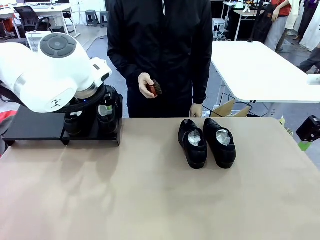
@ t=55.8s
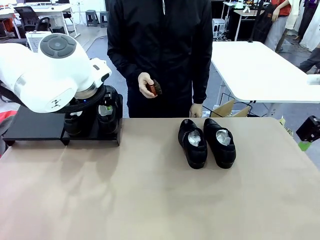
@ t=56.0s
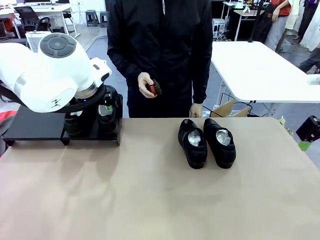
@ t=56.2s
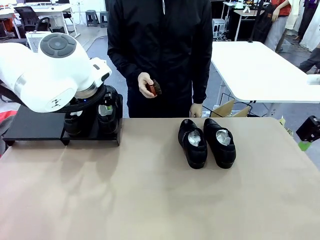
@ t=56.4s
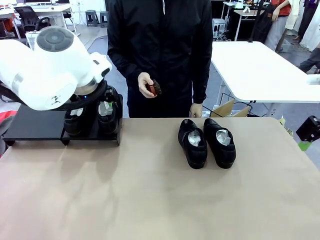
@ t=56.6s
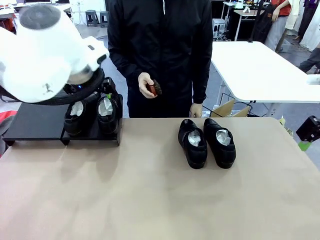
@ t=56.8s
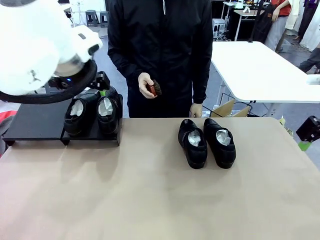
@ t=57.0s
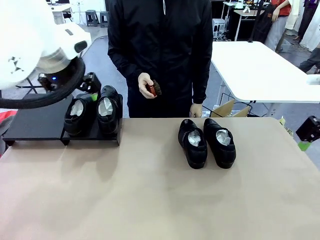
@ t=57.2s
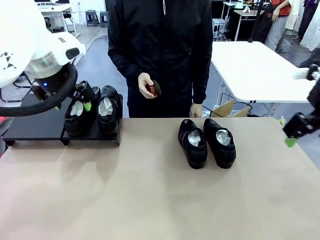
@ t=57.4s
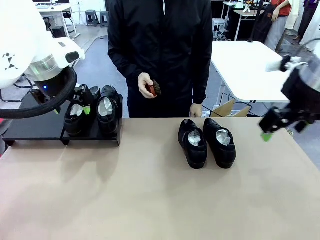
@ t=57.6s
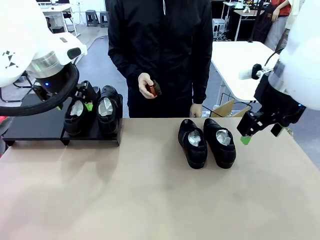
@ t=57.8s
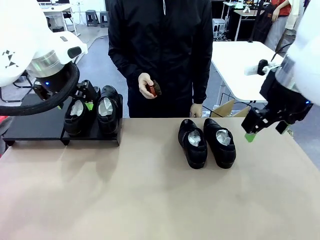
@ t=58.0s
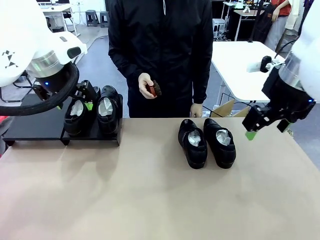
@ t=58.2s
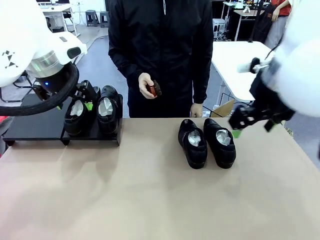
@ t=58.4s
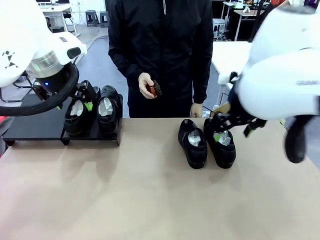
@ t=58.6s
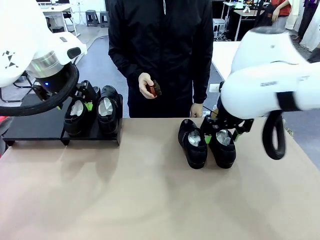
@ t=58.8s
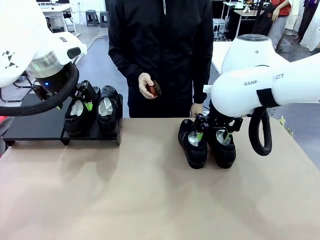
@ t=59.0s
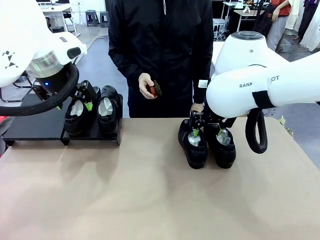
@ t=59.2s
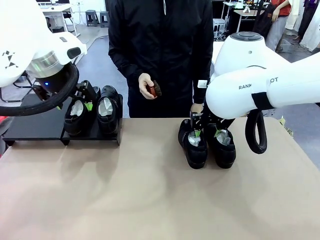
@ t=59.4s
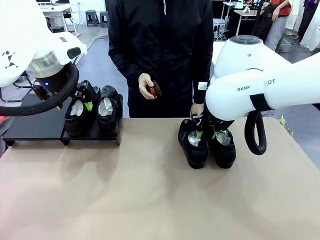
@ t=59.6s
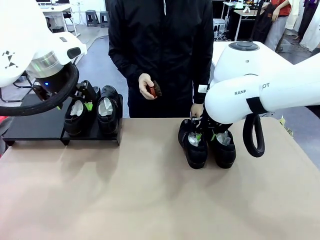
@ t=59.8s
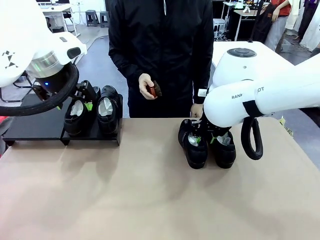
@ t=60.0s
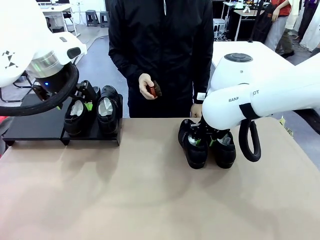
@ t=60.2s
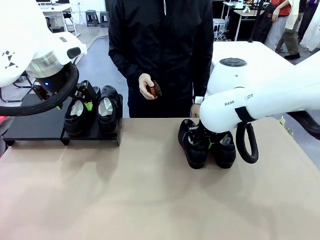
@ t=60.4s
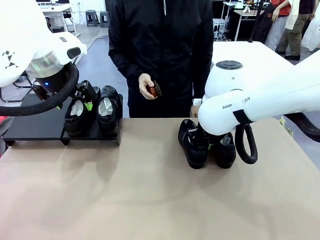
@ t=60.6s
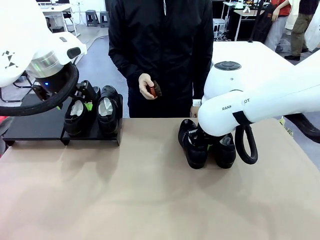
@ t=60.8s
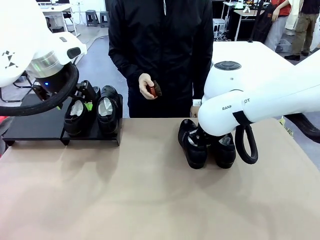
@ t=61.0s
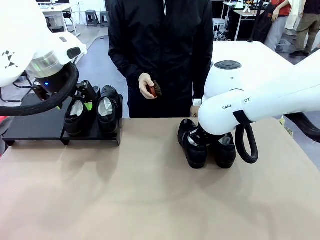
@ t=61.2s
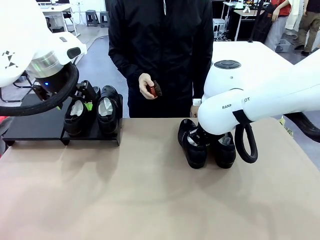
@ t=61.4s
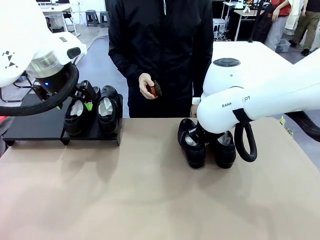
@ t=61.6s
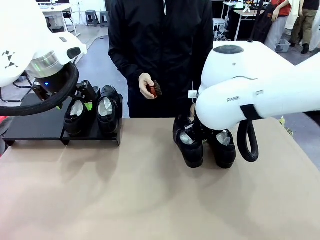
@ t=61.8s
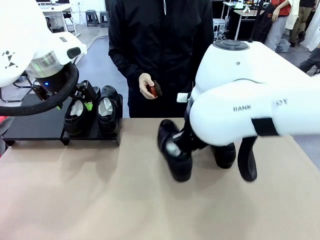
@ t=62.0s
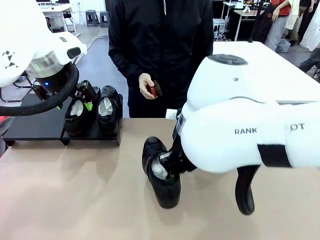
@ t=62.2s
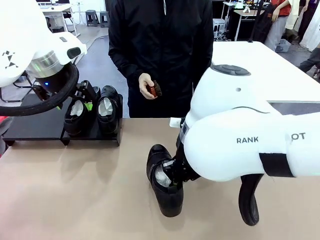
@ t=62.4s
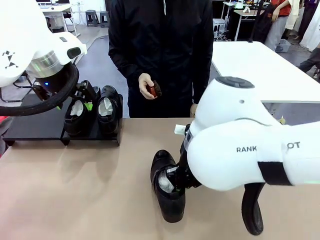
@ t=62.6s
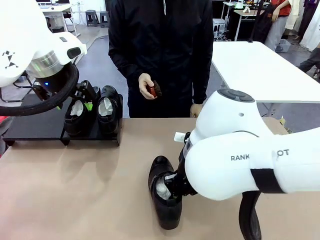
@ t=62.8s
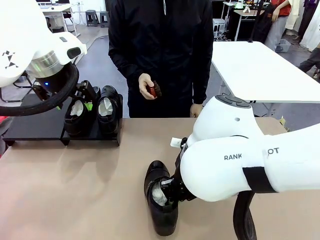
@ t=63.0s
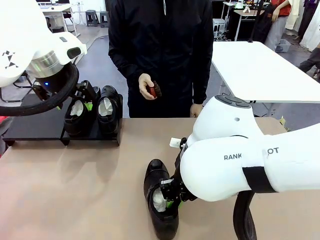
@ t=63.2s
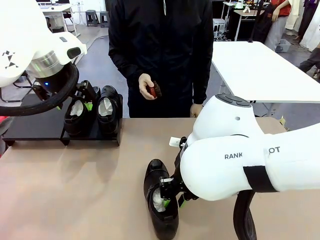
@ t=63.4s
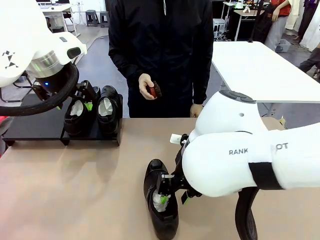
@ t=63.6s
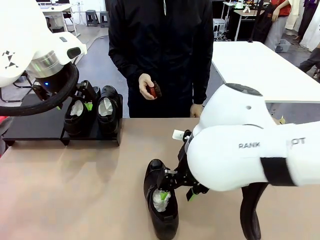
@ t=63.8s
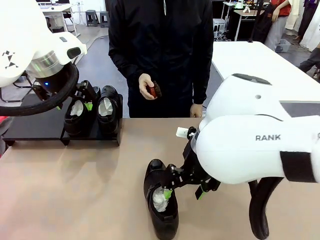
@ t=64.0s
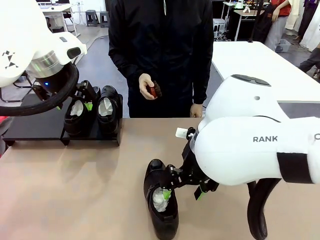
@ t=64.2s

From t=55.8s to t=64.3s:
Task: Organize the shoes by placing them on the stand.
Robot: Pick up one Shoe and place it in the middle of the table.

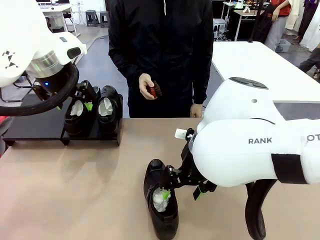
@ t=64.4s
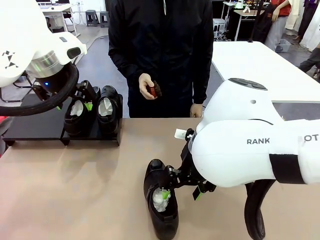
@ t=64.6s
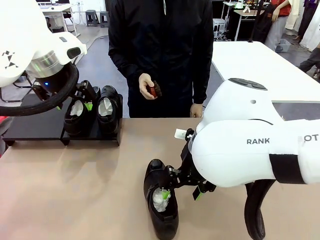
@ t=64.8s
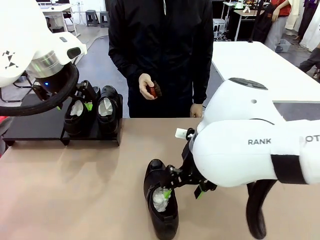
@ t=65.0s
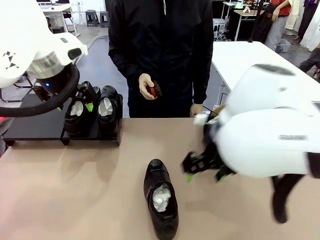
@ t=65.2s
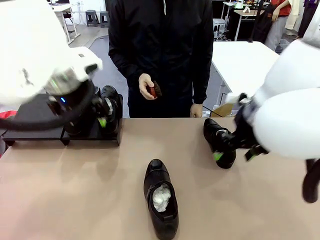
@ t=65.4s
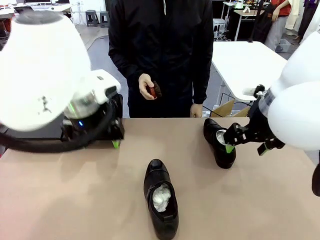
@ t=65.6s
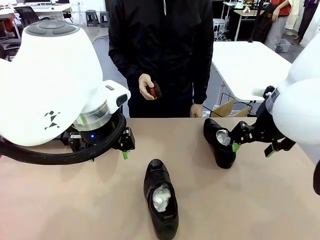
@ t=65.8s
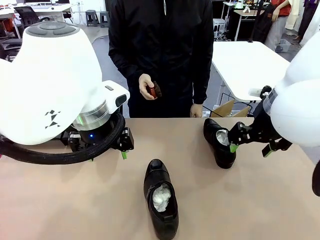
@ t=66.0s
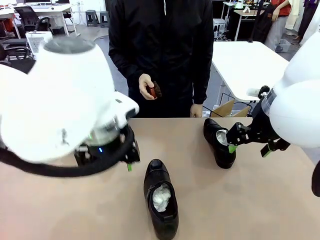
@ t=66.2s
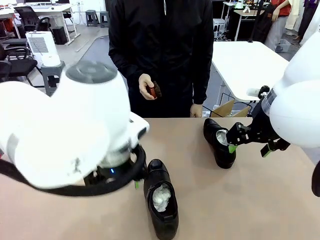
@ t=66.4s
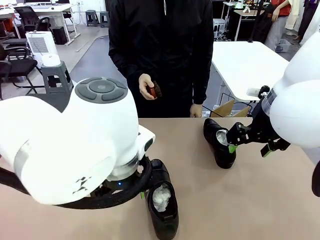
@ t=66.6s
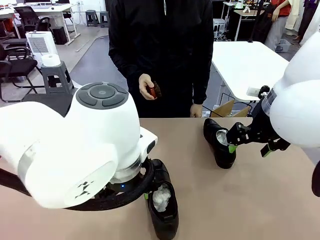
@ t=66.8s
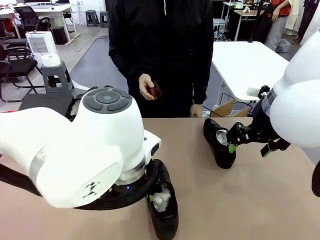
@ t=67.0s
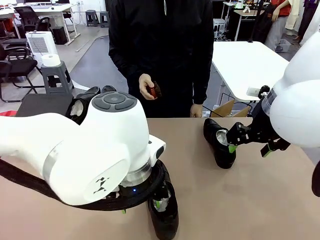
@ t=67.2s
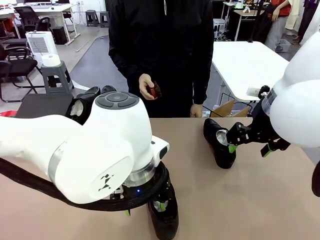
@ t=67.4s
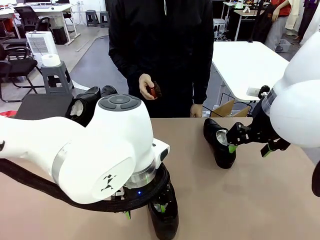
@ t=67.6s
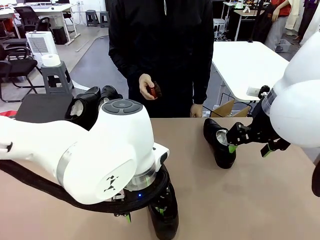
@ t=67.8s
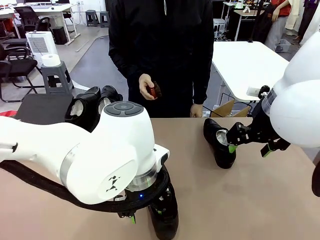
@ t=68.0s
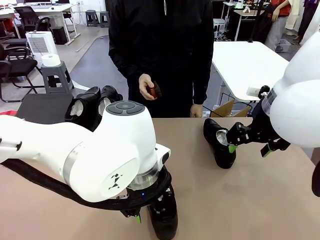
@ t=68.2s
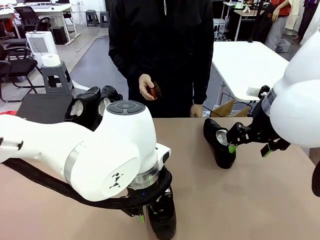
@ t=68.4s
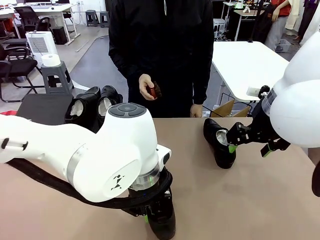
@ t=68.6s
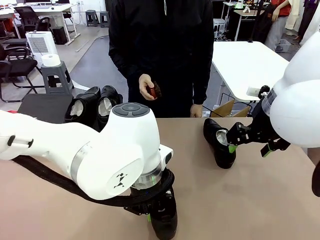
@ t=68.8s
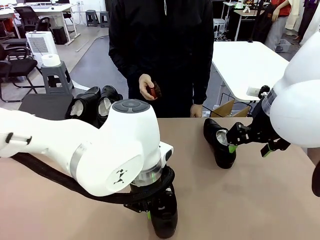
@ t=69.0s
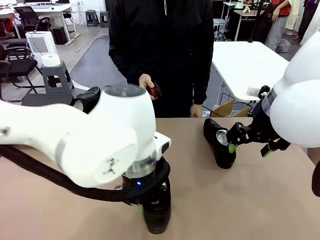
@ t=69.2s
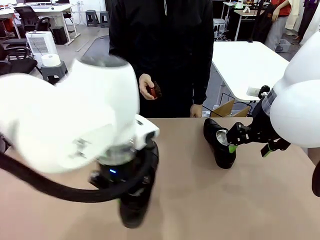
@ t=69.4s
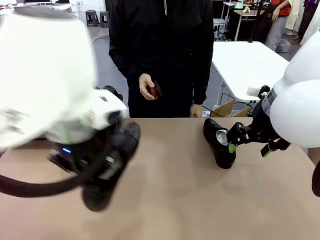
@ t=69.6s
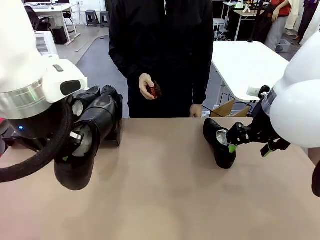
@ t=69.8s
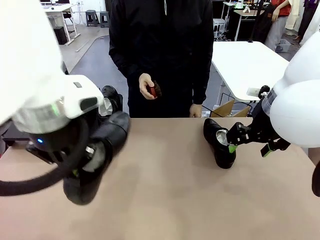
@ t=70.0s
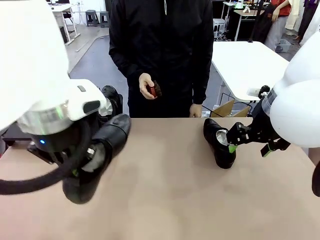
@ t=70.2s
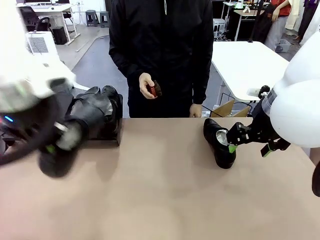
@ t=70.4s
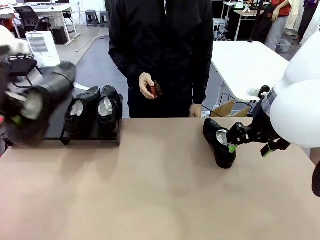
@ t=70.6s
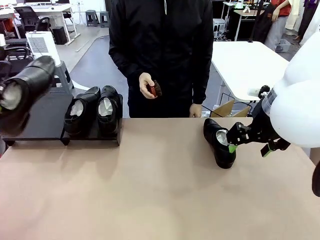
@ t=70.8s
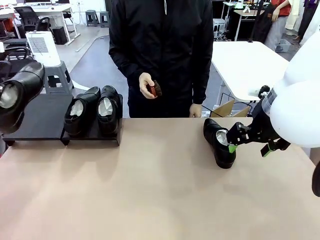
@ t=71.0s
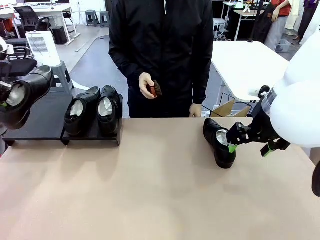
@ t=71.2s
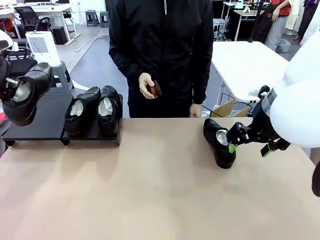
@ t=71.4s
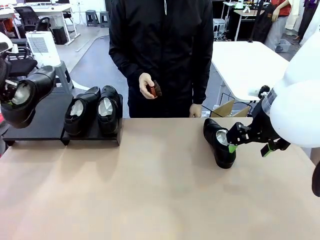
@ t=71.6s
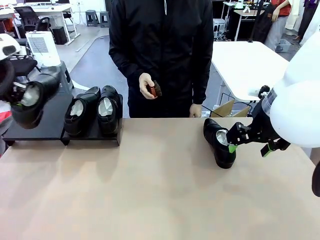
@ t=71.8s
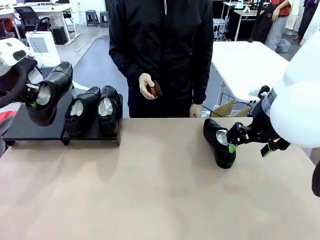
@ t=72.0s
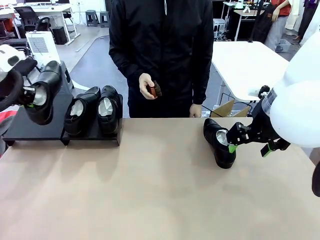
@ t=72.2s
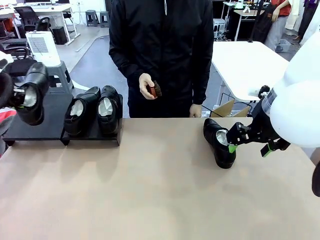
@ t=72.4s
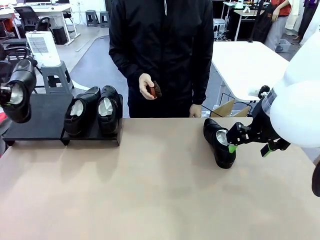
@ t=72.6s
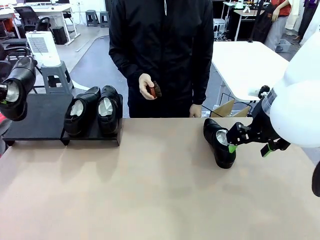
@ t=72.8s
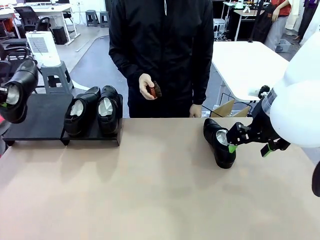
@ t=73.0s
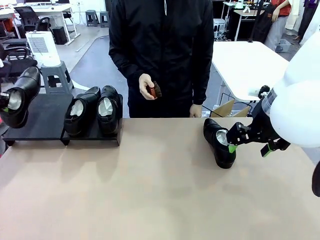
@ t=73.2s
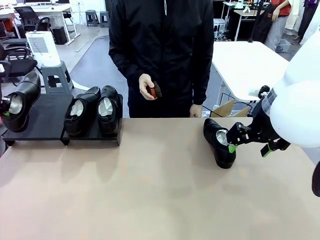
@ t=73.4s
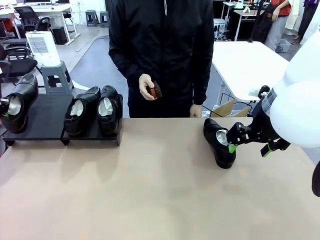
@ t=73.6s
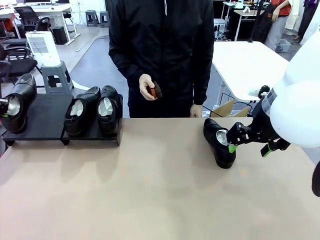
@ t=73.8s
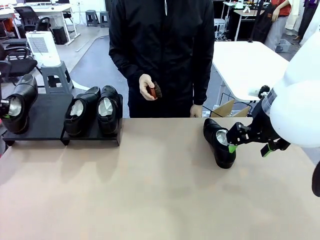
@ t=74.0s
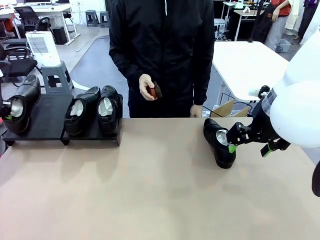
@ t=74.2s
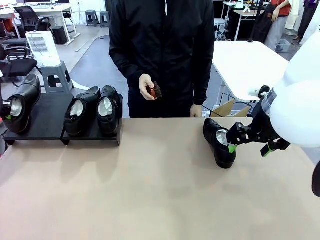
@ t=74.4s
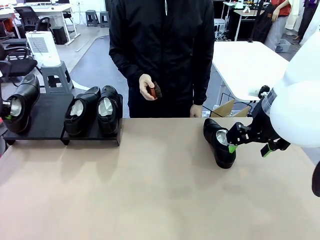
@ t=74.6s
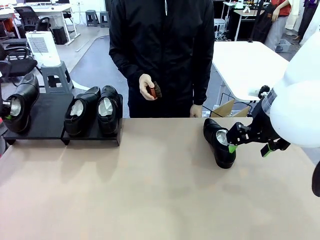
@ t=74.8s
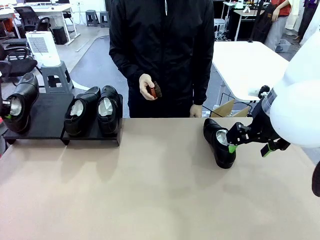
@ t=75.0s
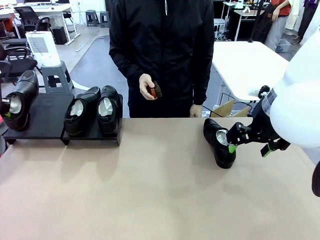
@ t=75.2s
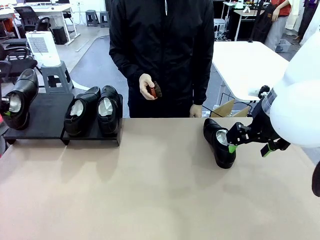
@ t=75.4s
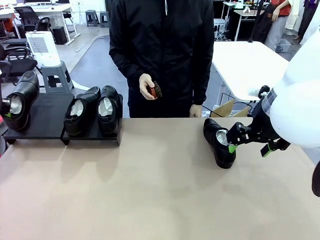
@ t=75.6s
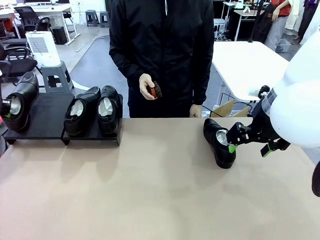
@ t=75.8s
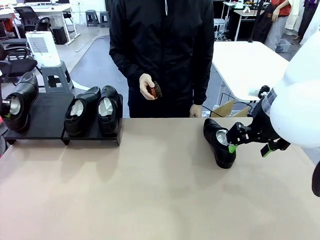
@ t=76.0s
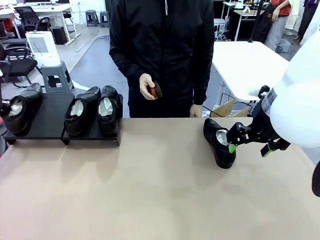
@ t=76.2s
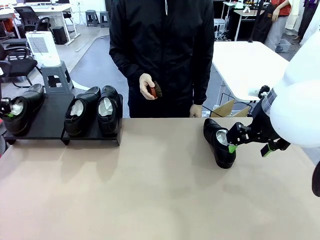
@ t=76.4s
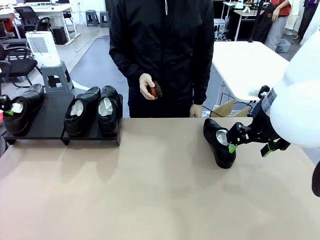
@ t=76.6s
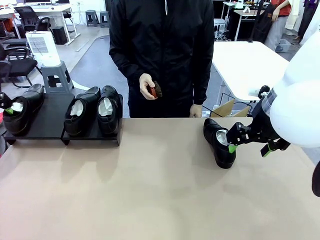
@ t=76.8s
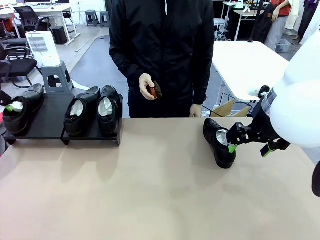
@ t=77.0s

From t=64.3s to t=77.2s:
Robot: Place the Shoe from the middle of the table onto the Shoes Stand.
